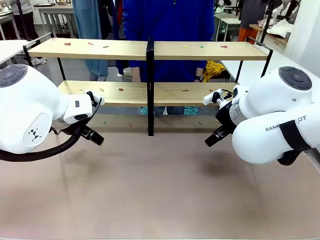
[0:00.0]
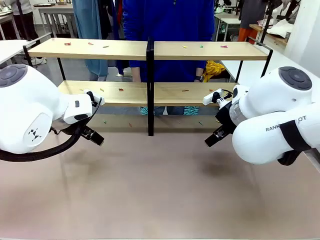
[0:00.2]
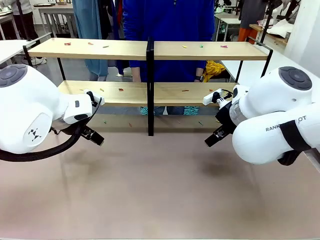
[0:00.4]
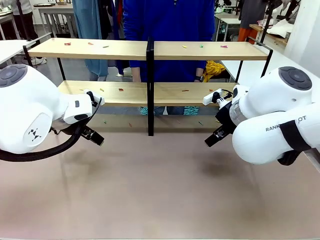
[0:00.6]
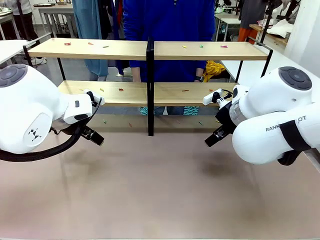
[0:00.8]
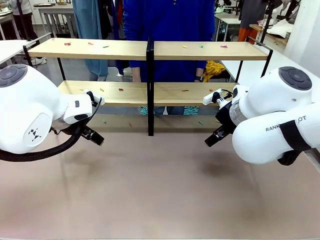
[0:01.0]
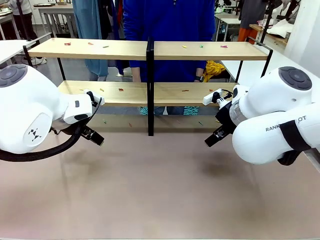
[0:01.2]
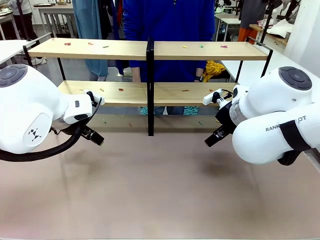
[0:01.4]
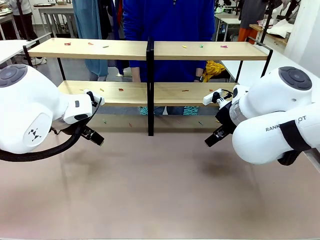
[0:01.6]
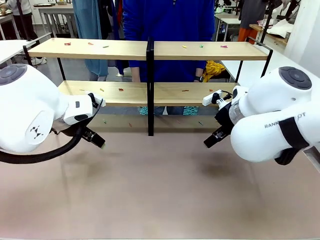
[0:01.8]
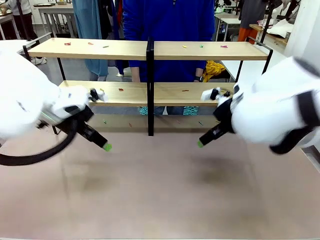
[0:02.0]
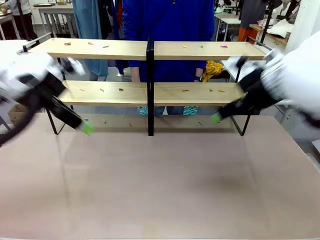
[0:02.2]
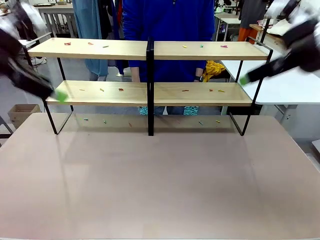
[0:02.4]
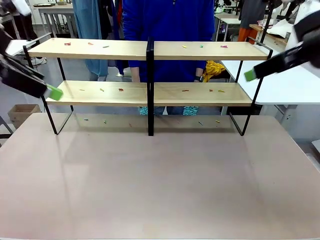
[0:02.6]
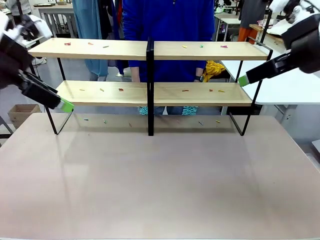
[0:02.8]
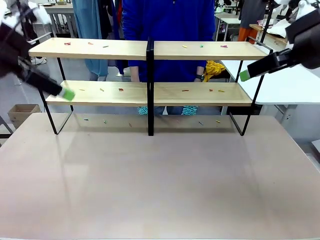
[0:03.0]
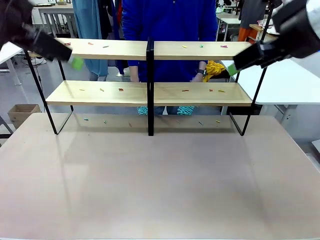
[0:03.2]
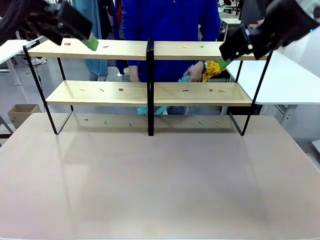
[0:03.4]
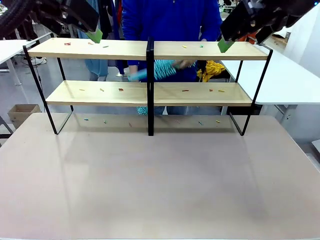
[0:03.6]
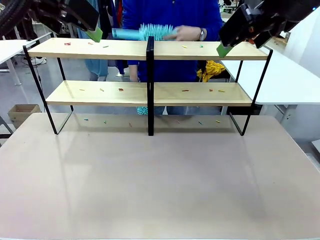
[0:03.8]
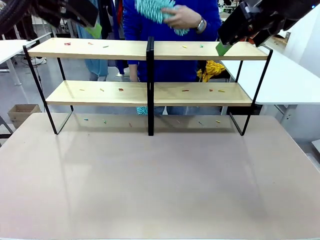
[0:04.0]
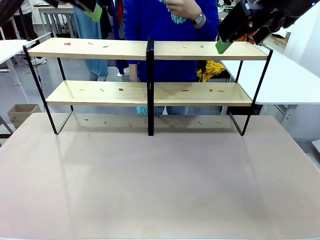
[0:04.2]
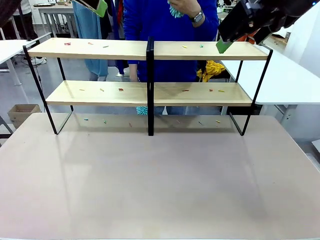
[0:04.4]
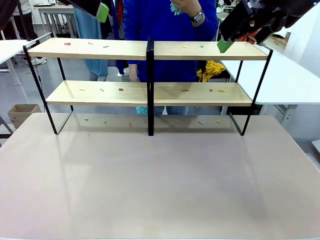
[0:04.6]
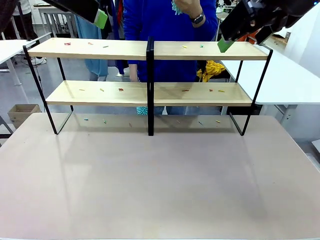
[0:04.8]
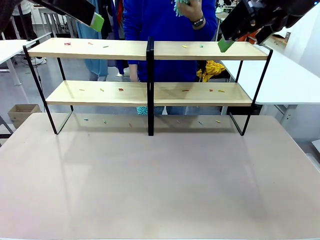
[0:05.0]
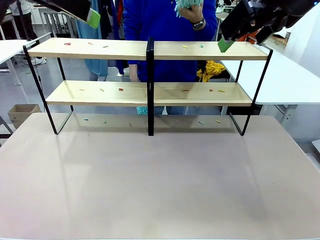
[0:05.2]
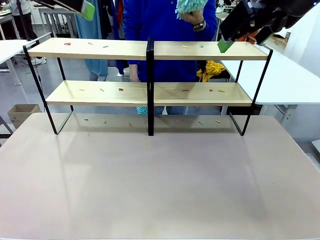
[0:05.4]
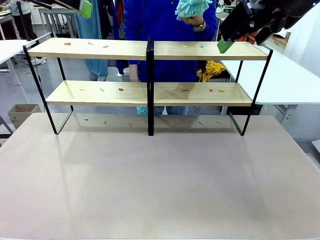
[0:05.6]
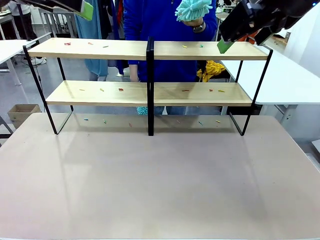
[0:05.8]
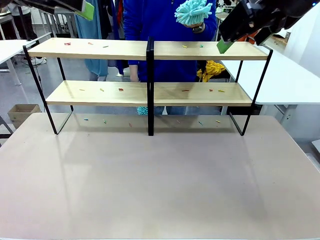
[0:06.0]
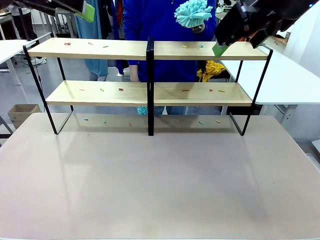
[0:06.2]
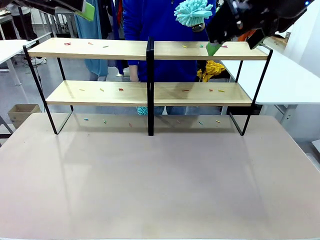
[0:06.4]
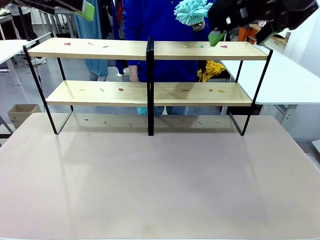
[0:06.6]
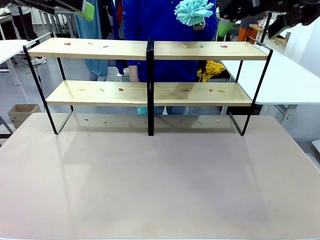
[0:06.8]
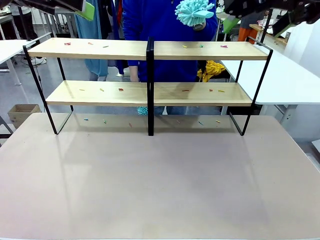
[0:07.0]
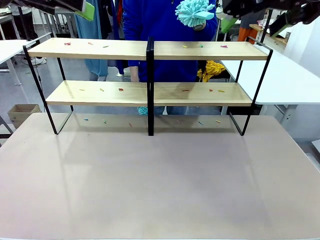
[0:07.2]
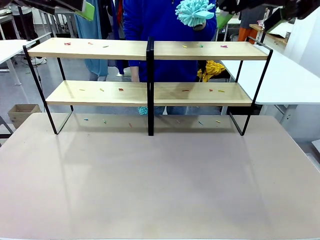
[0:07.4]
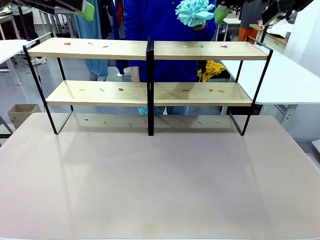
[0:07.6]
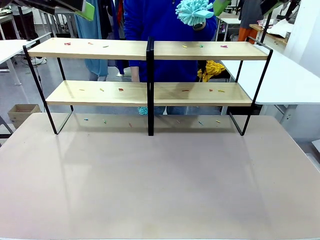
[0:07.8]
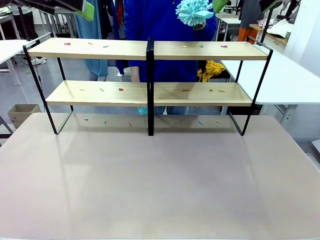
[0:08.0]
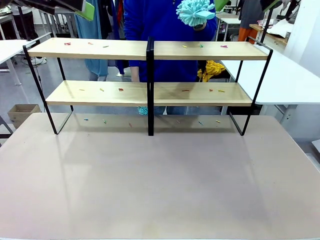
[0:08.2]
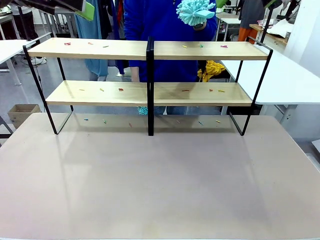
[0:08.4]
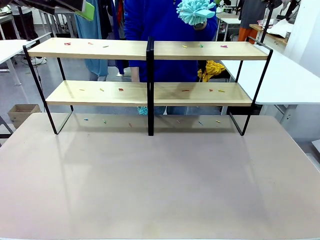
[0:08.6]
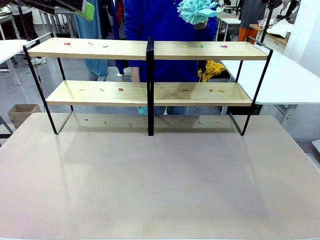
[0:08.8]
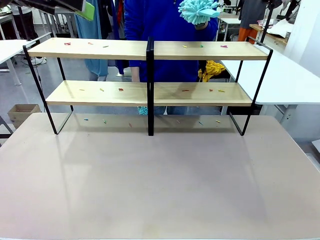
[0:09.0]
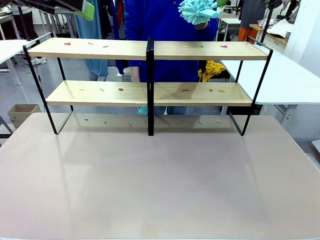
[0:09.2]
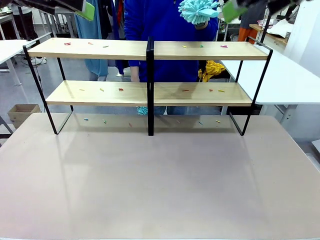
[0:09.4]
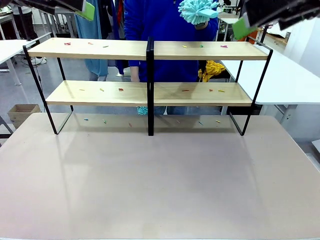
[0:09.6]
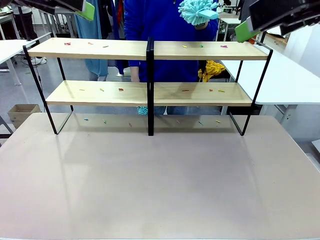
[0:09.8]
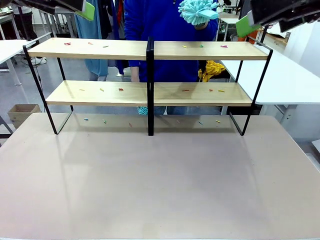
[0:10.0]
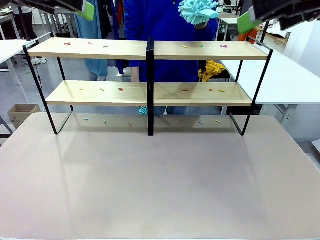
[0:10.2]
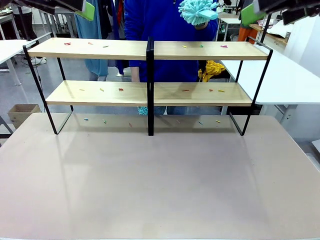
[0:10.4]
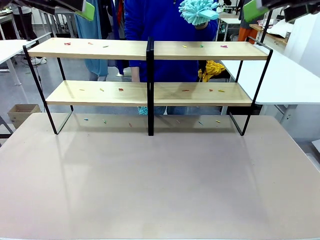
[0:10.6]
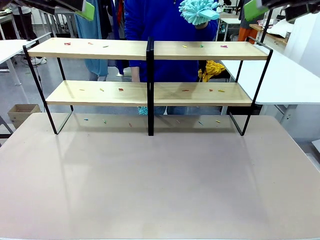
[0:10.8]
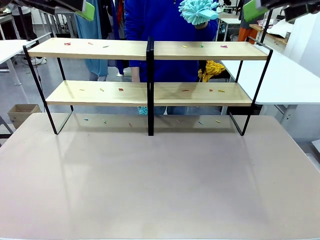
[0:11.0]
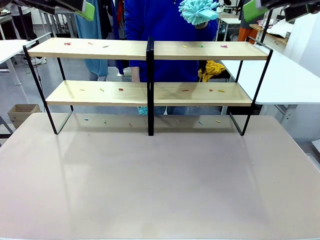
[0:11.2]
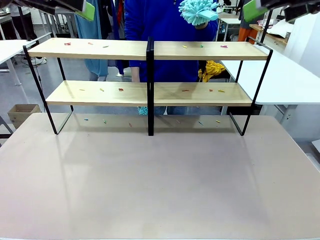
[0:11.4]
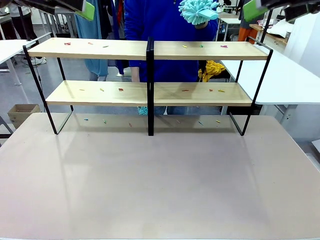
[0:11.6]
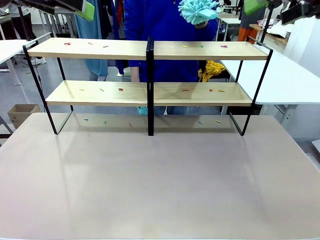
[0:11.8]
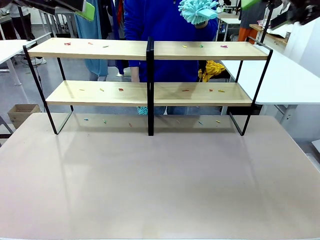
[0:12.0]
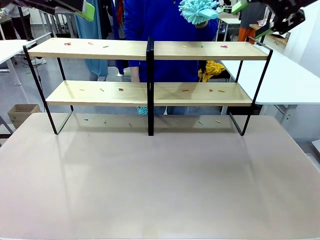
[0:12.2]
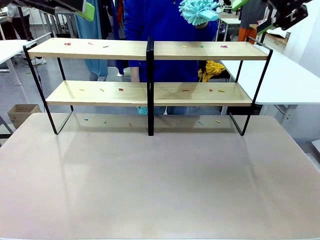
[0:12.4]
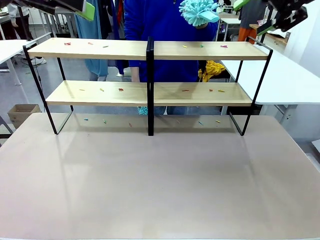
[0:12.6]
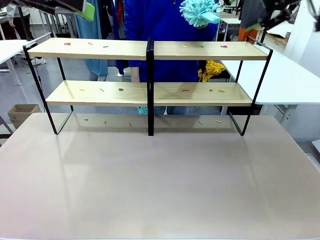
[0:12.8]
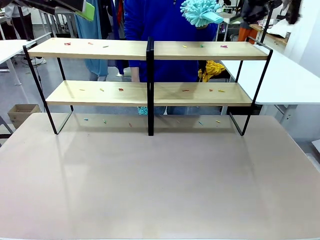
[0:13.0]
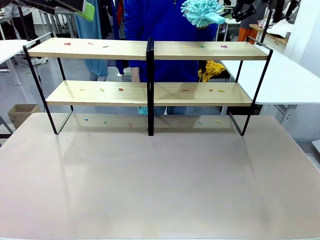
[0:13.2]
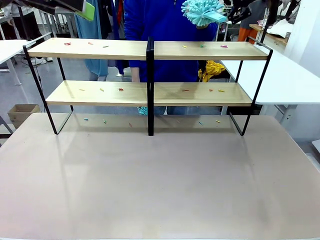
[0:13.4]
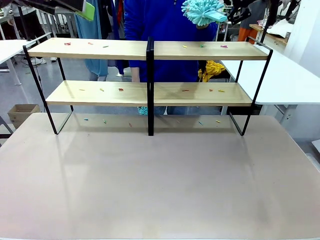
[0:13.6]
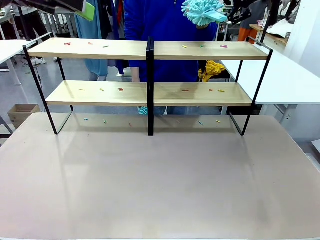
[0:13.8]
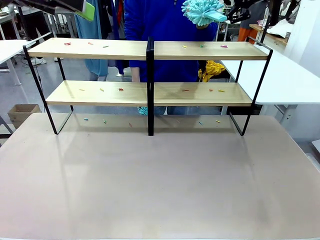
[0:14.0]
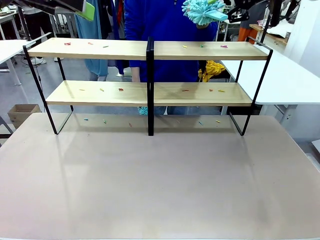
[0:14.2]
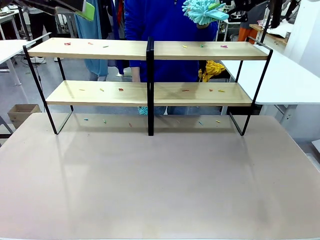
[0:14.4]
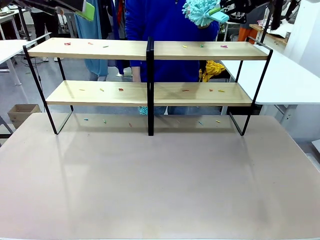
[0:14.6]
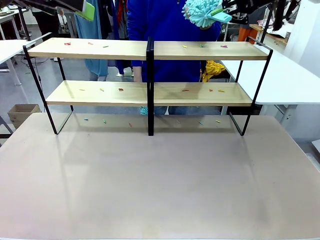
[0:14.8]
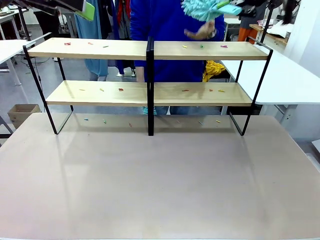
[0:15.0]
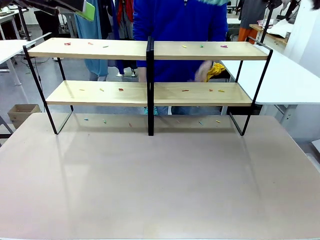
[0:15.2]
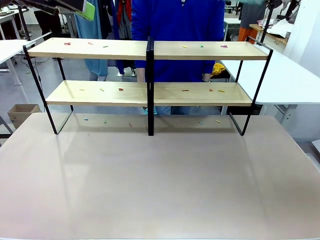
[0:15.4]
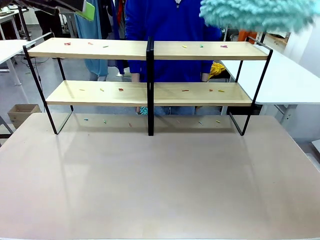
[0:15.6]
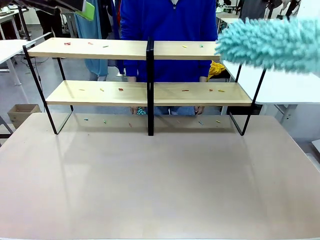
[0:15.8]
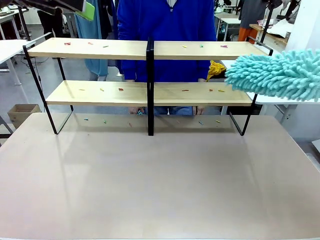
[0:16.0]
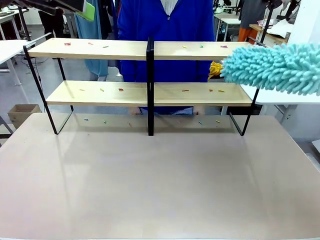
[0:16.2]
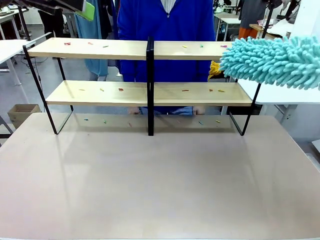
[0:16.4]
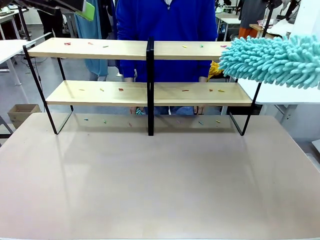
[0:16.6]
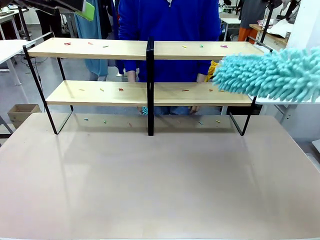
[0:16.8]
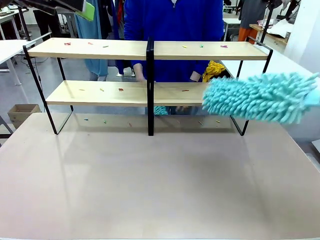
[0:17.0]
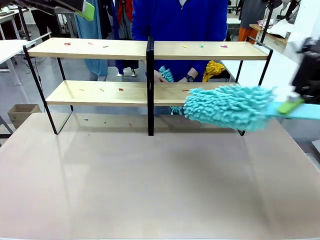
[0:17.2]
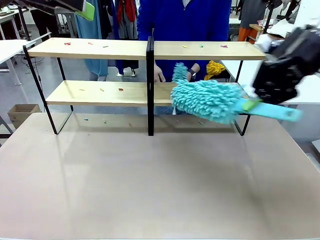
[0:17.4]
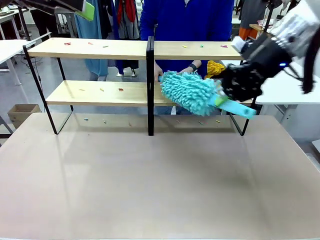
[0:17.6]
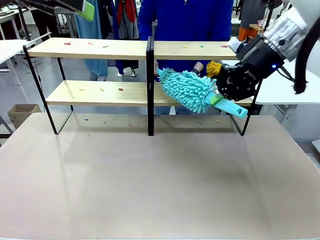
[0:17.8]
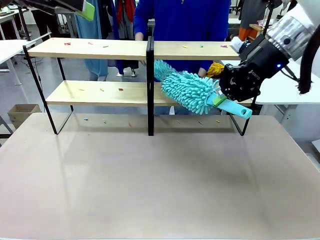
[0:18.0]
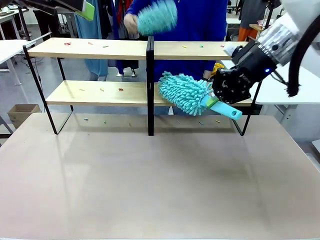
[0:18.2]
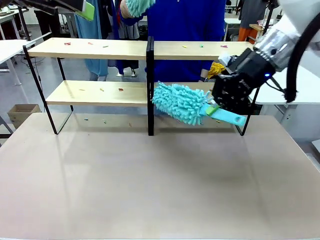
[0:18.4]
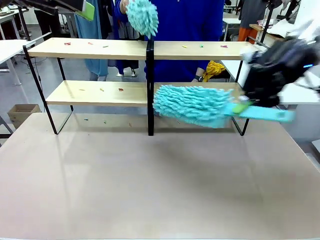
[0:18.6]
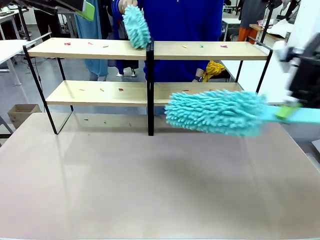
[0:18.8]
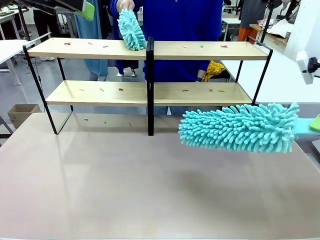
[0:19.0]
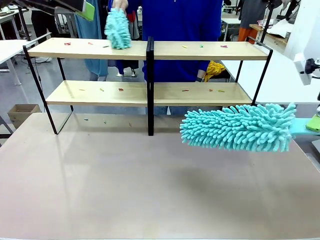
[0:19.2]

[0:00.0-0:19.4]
Task: Clean the shelves.
Robot: Pick up the Duster when the human hands it over.
Person: Hand the Duster to the robot with your right (or left) hand.
